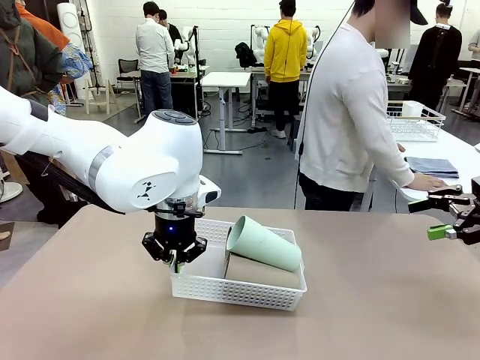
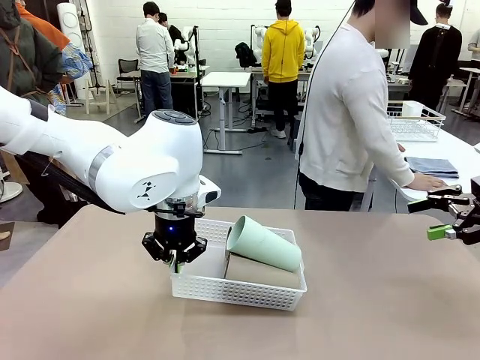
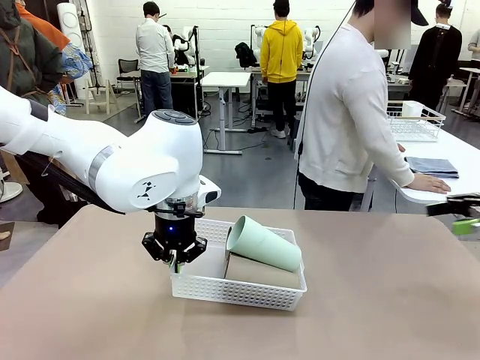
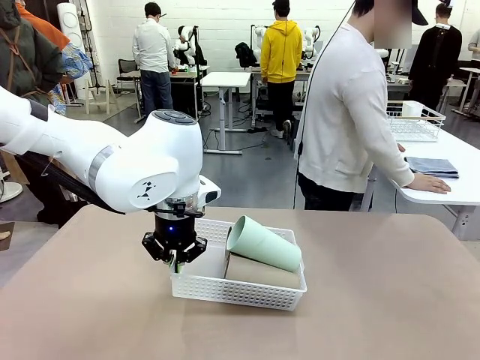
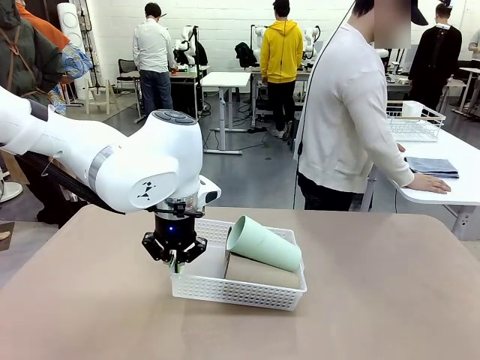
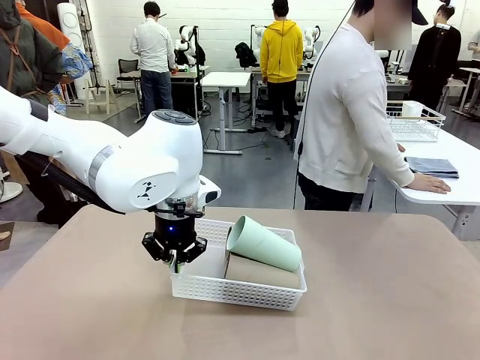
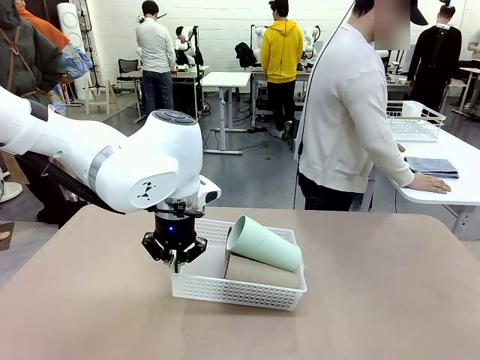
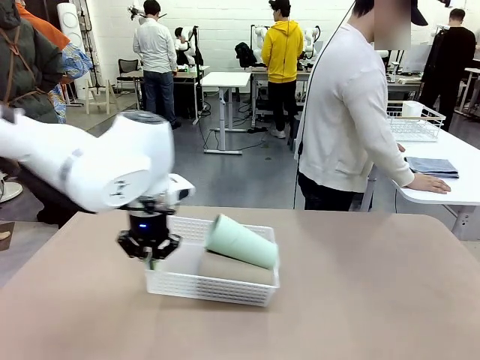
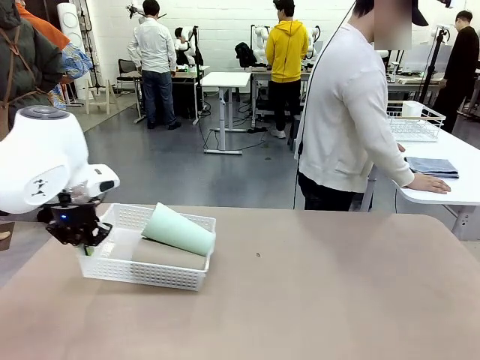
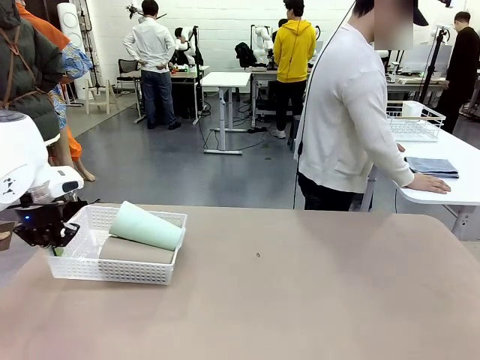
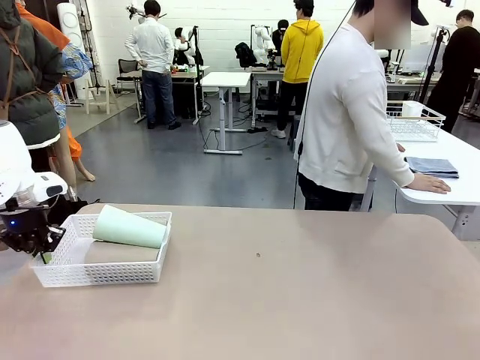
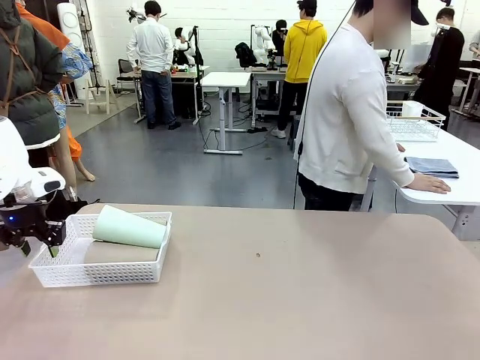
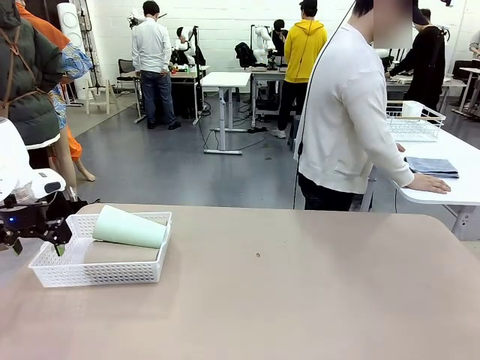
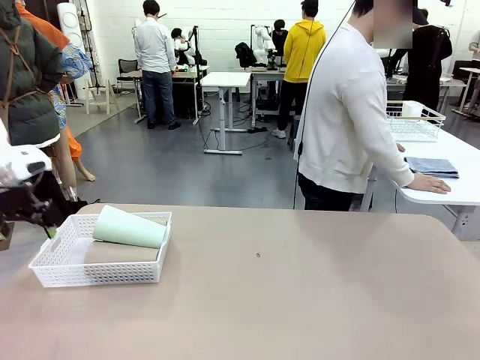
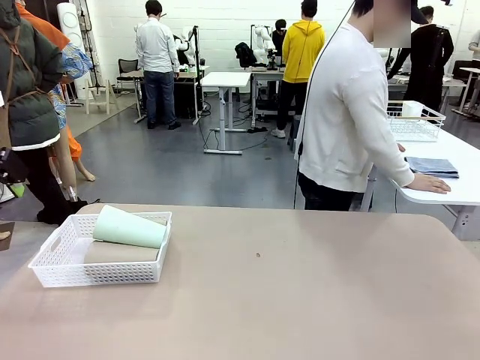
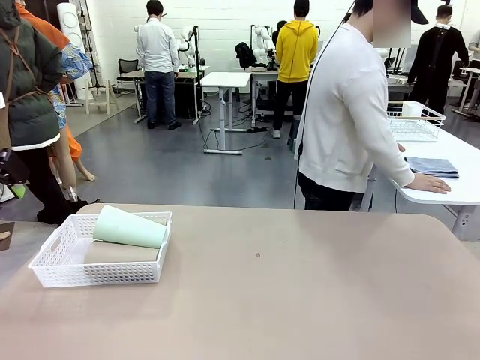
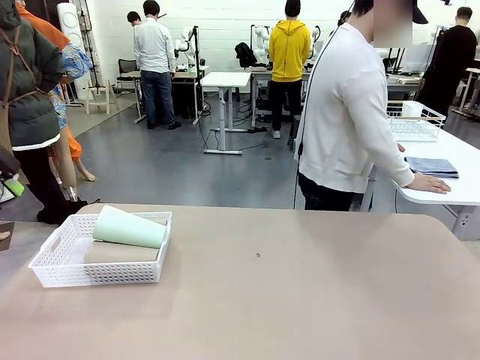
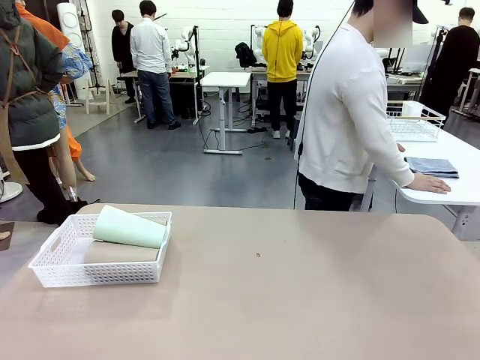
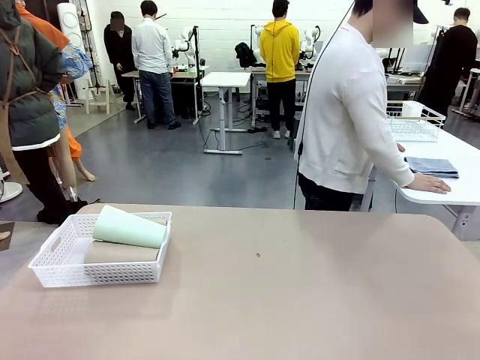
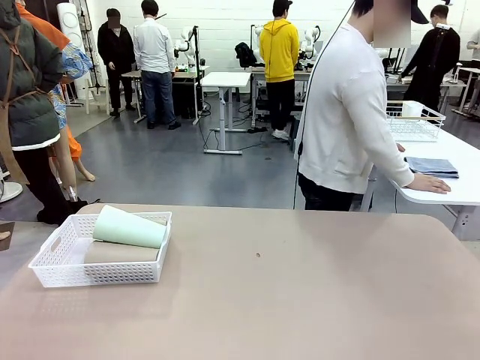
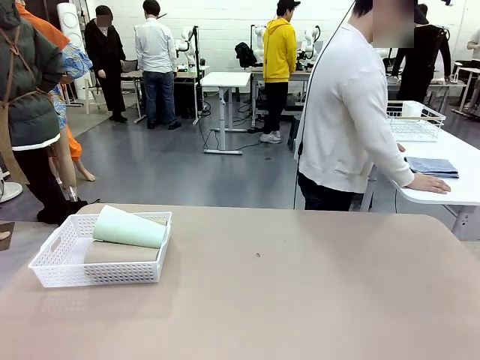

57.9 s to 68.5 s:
Task: Clean and organize the cups into the basket.
Robot: Move the Organizing basket back to the left side of the table.

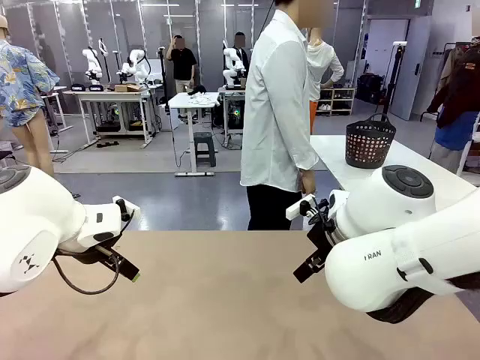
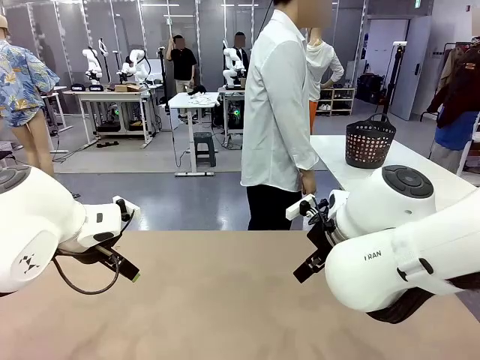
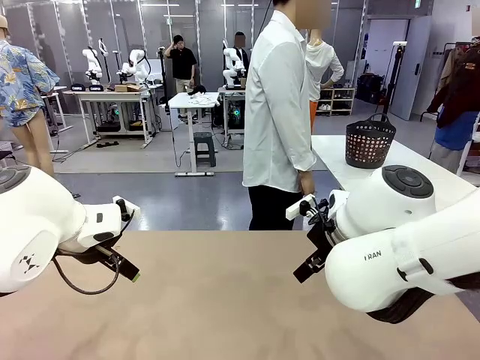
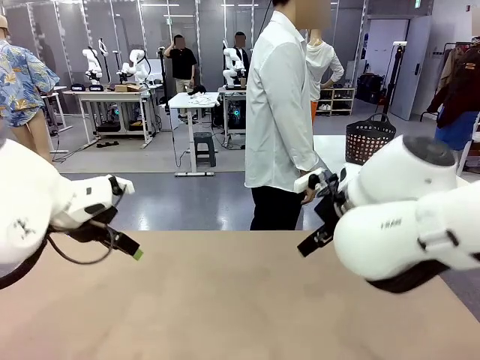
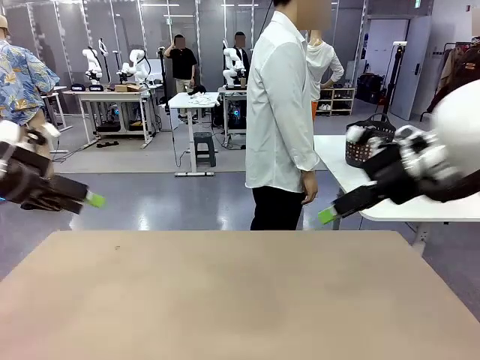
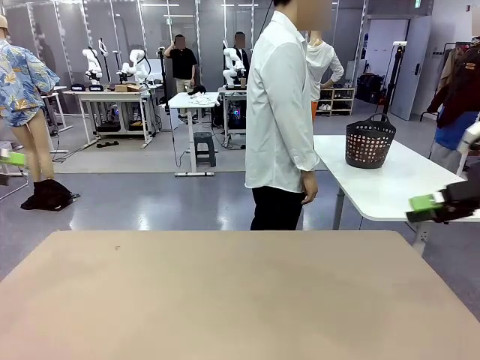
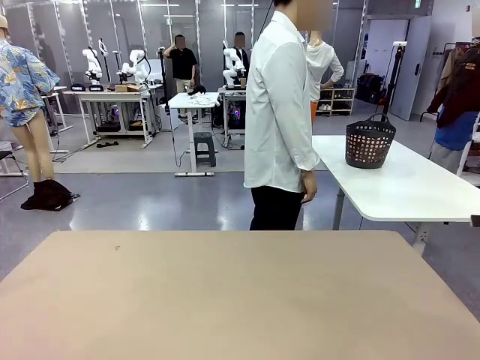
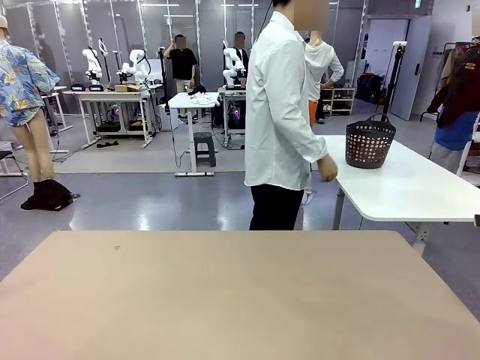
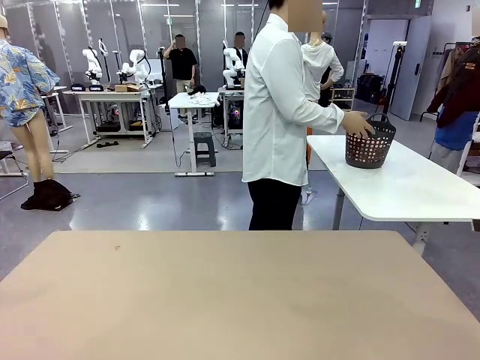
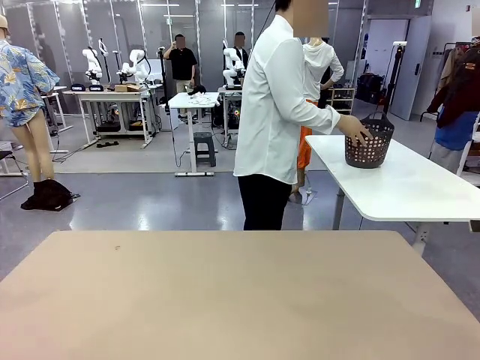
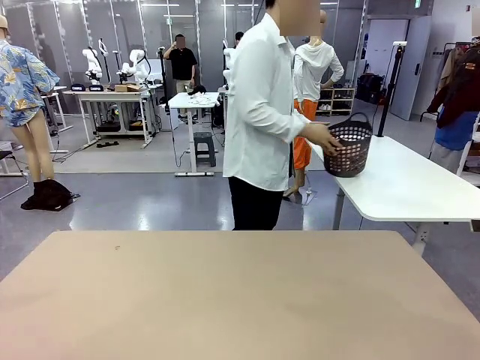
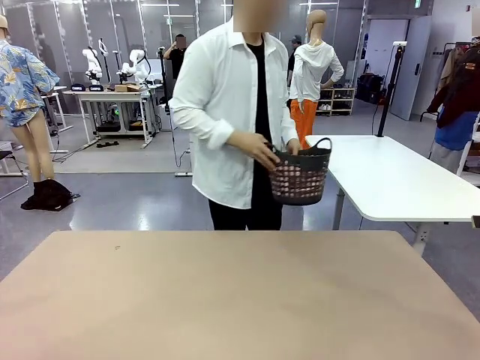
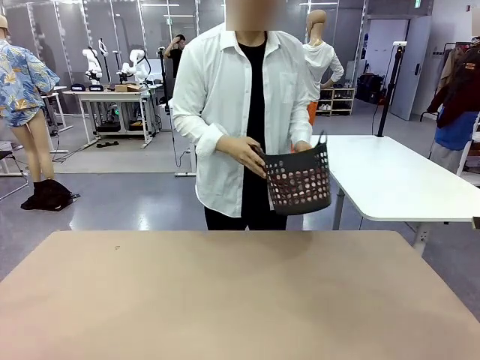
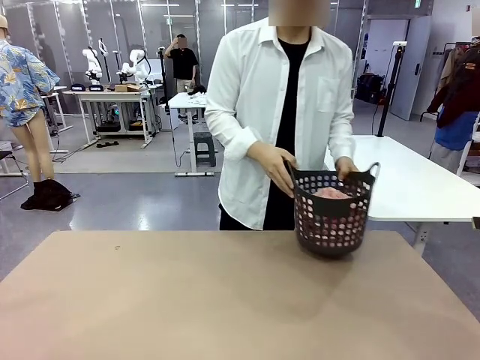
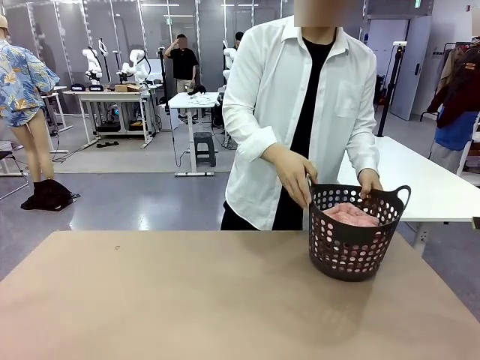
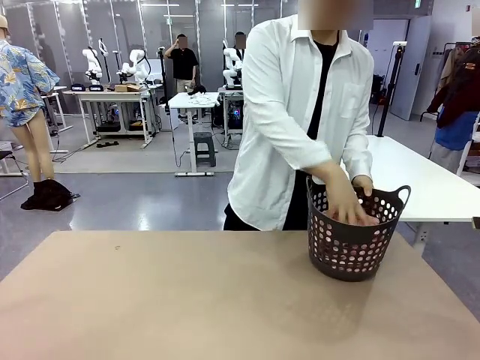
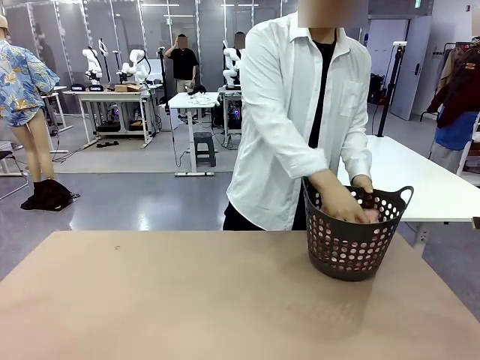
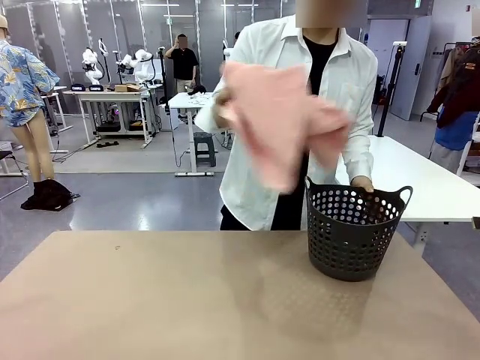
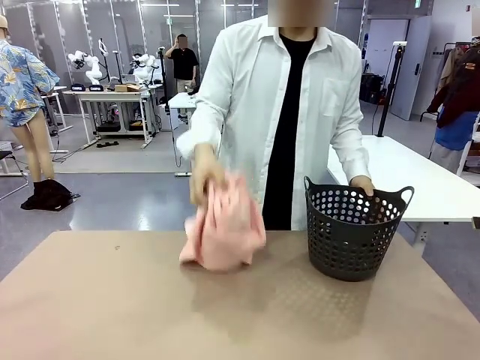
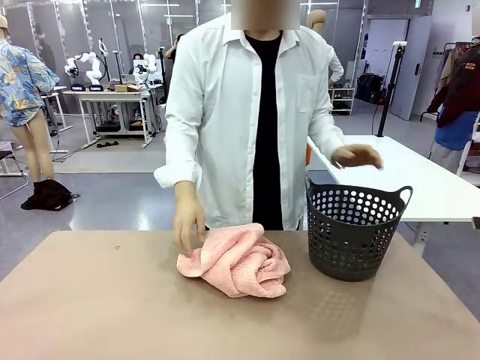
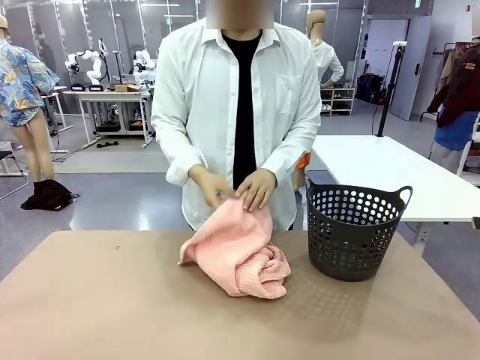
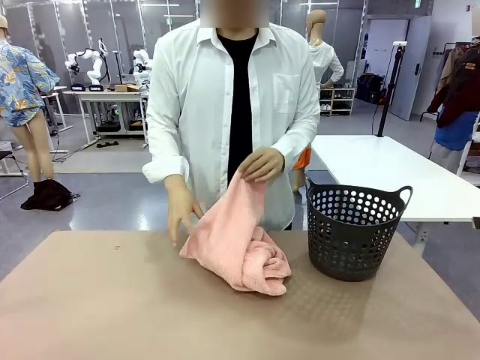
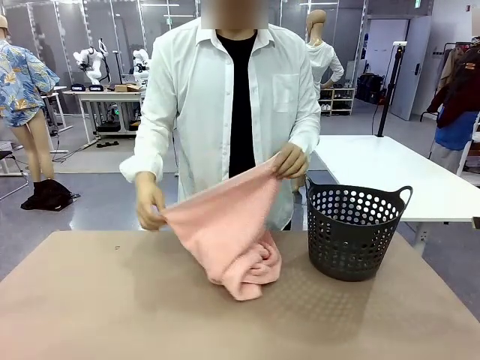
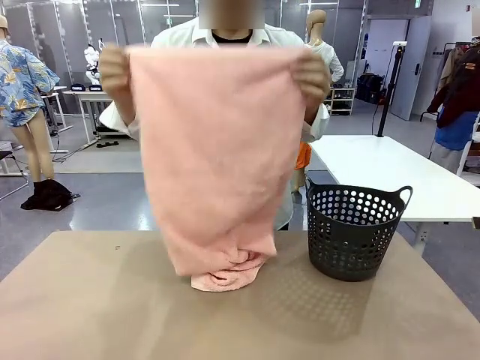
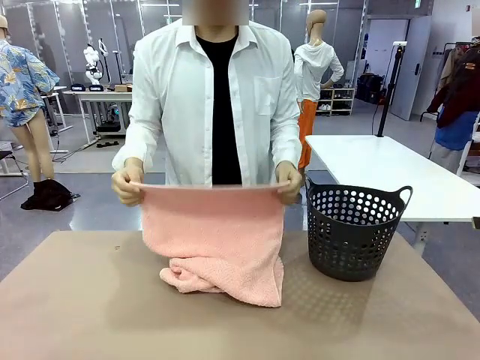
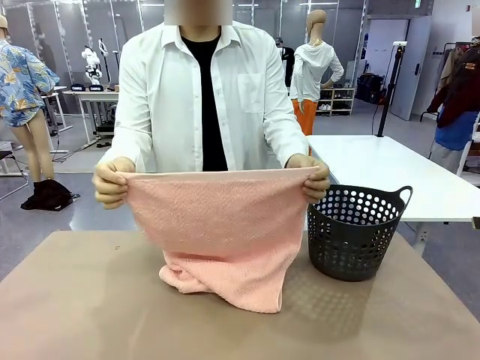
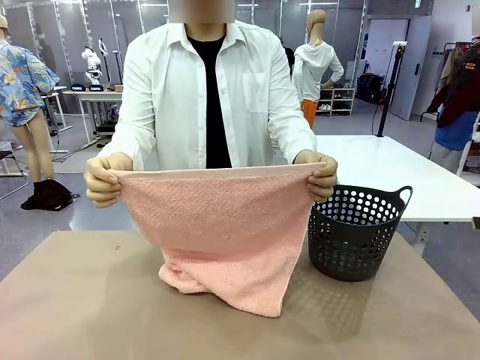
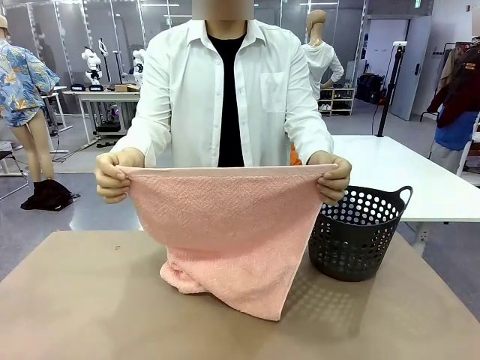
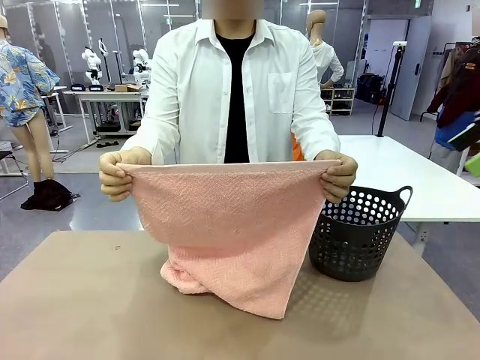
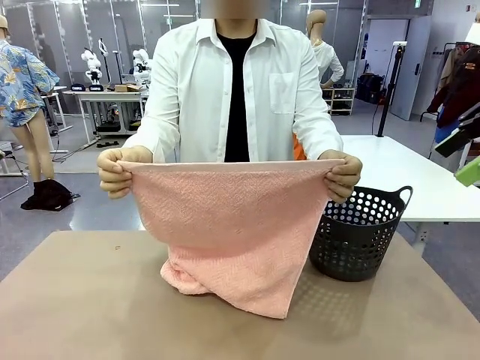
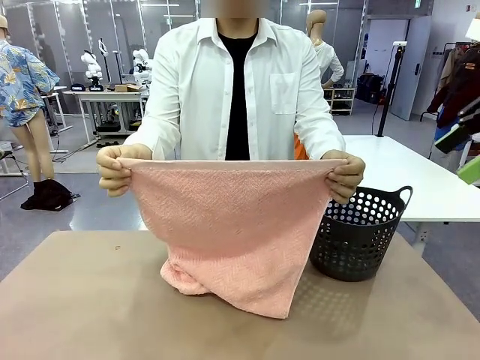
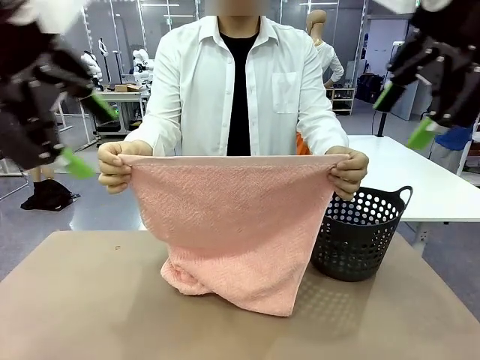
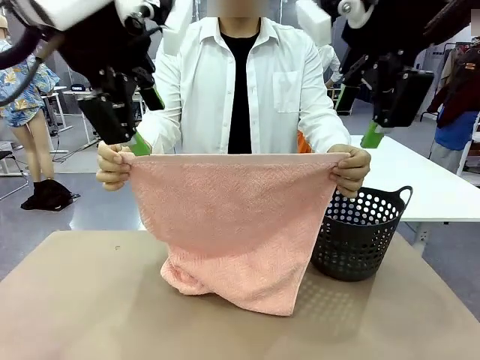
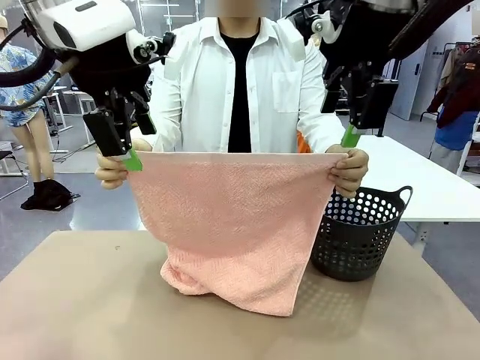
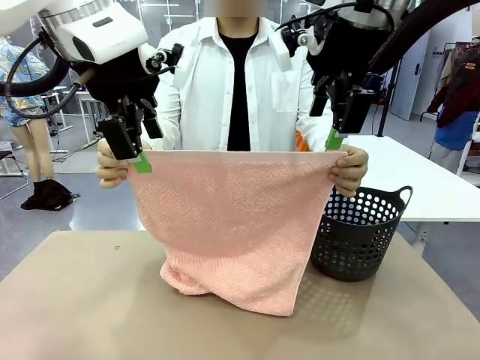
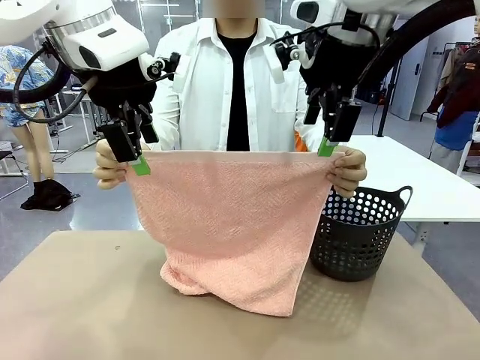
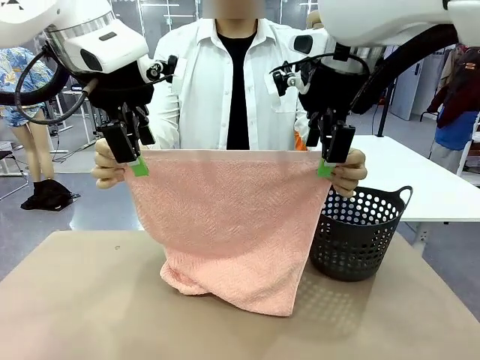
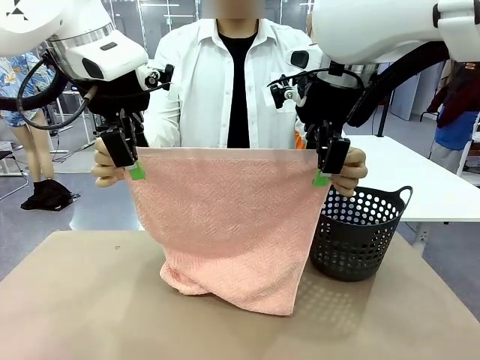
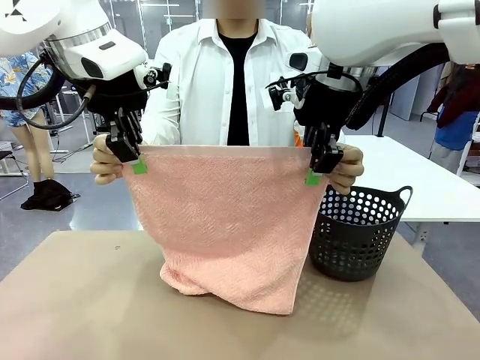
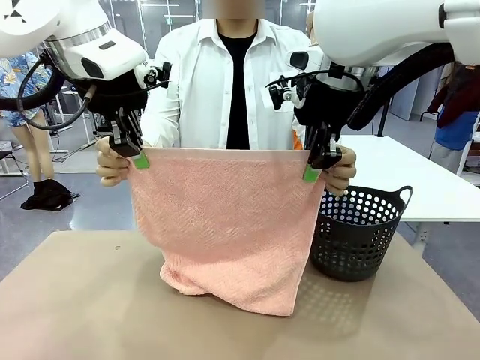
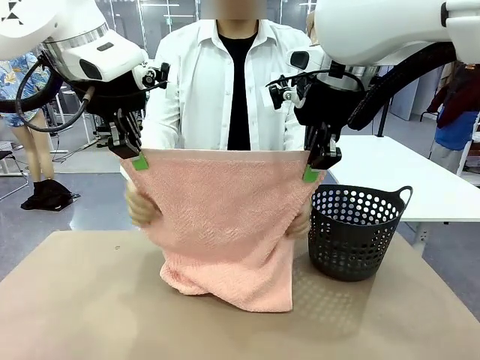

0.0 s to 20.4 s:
Task: Fold the towel.
Robot: Grab the top end of the 100 cm Hotel Towel extended by the human.
Person: Pick up the laundry basket, place it on the left side of the robot table, then take out a towel and hand it to the robot while holding both corners of one end.
